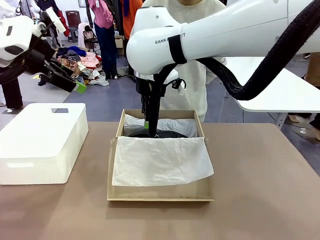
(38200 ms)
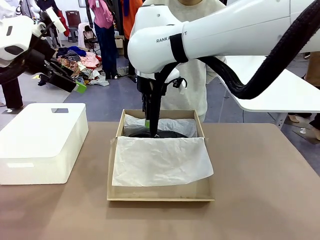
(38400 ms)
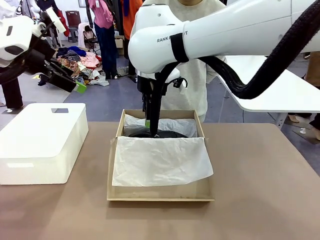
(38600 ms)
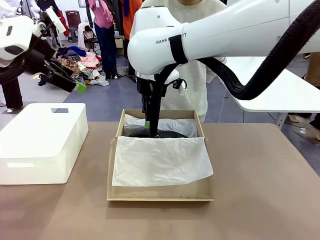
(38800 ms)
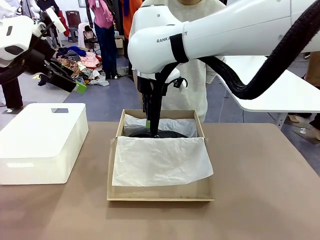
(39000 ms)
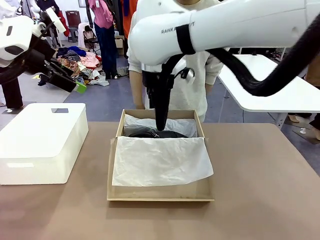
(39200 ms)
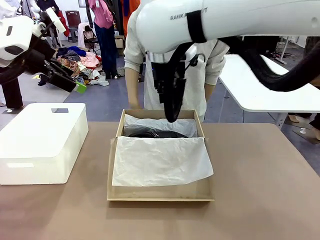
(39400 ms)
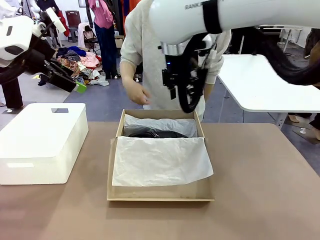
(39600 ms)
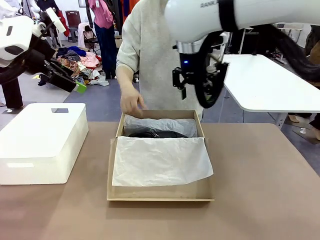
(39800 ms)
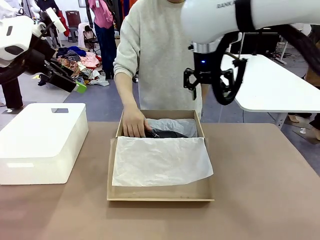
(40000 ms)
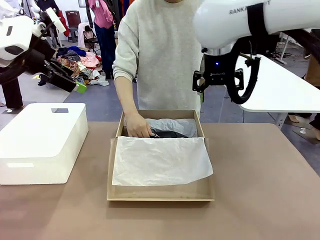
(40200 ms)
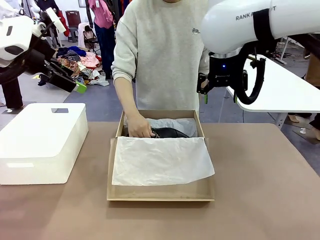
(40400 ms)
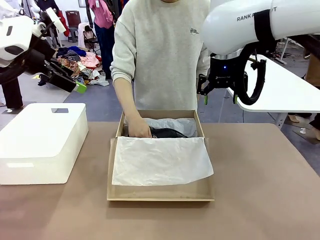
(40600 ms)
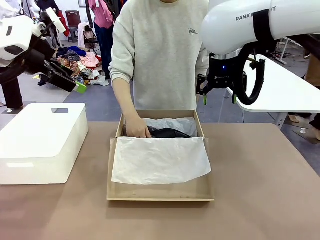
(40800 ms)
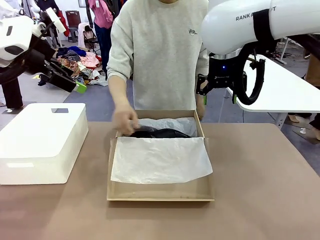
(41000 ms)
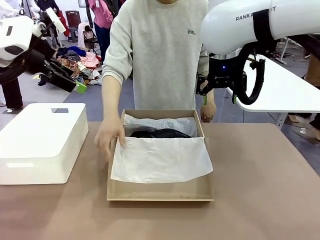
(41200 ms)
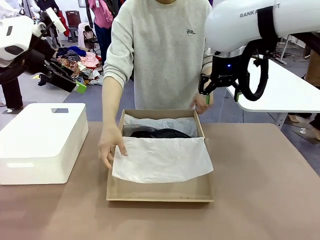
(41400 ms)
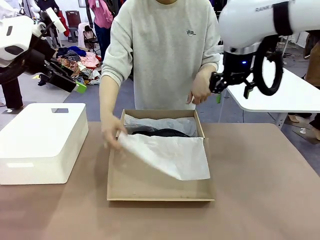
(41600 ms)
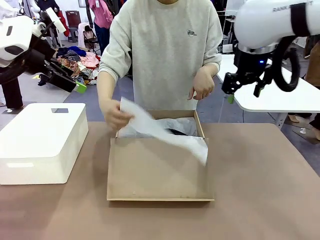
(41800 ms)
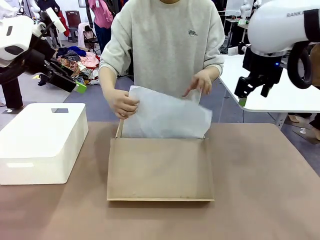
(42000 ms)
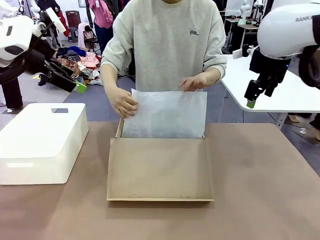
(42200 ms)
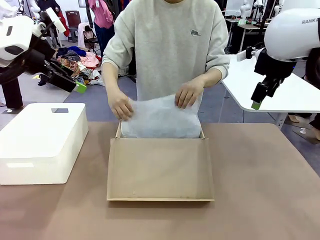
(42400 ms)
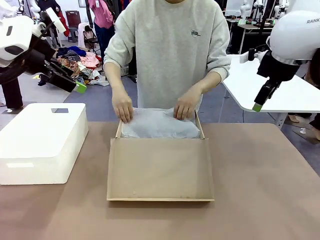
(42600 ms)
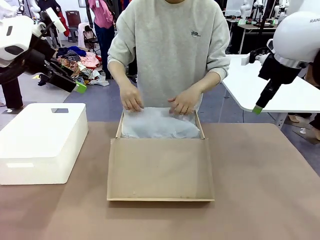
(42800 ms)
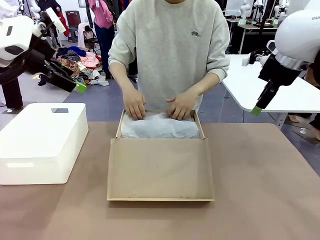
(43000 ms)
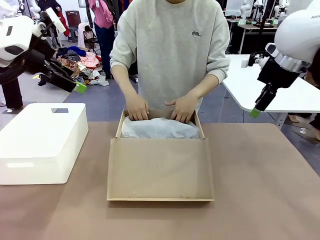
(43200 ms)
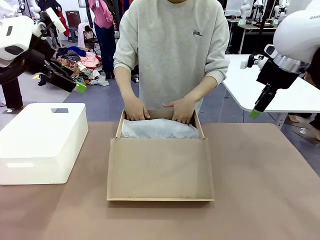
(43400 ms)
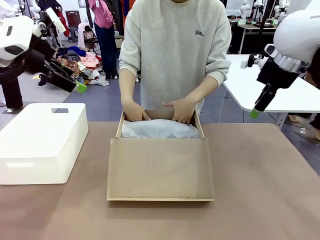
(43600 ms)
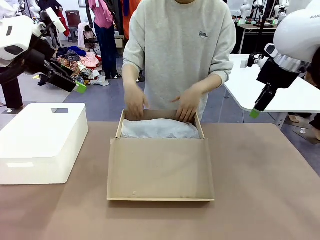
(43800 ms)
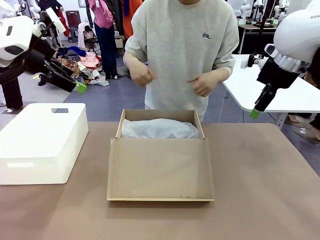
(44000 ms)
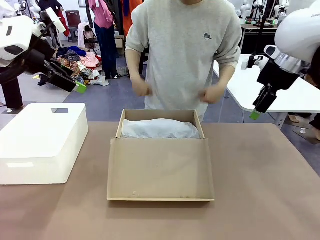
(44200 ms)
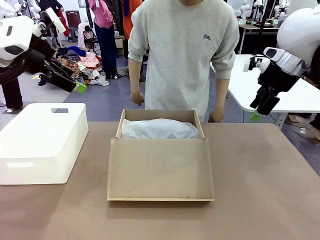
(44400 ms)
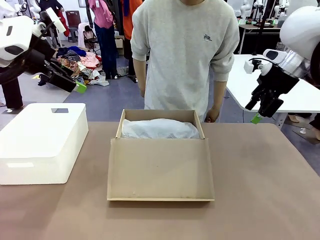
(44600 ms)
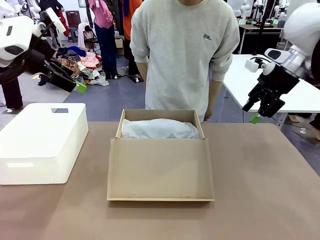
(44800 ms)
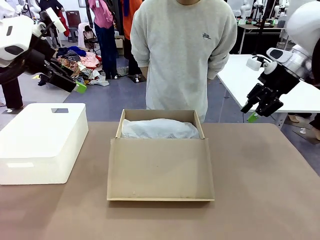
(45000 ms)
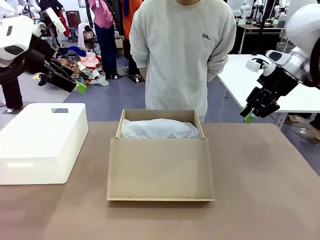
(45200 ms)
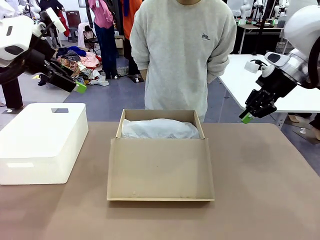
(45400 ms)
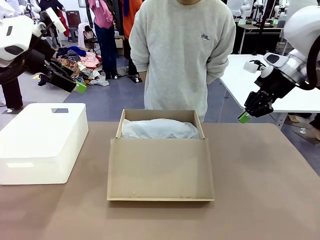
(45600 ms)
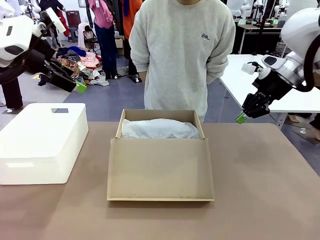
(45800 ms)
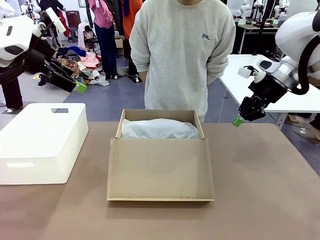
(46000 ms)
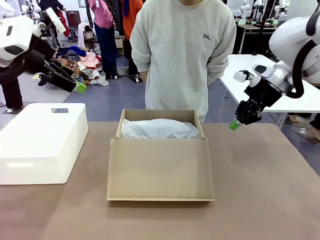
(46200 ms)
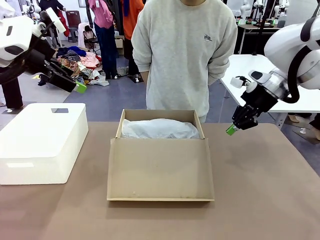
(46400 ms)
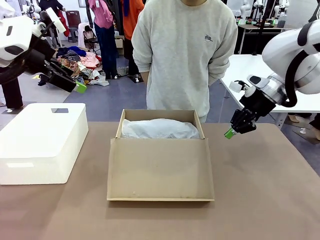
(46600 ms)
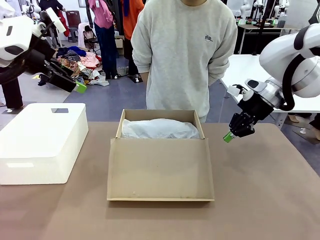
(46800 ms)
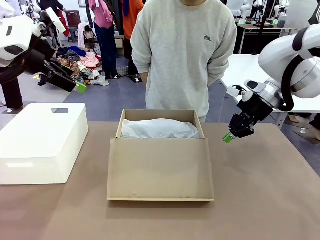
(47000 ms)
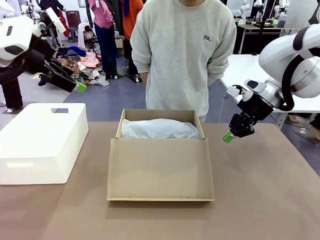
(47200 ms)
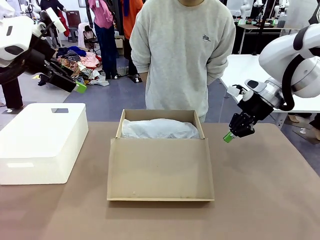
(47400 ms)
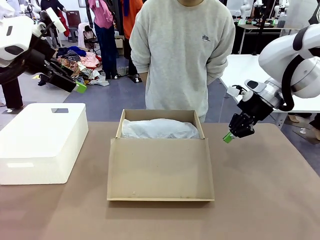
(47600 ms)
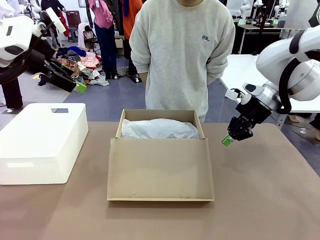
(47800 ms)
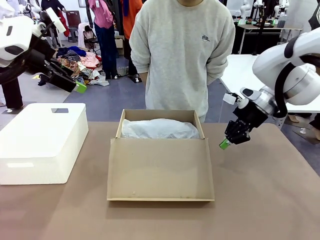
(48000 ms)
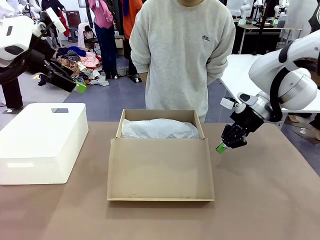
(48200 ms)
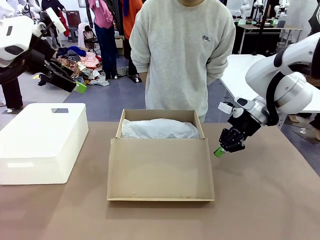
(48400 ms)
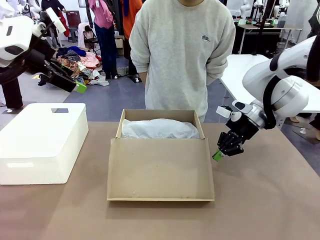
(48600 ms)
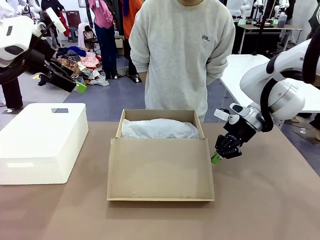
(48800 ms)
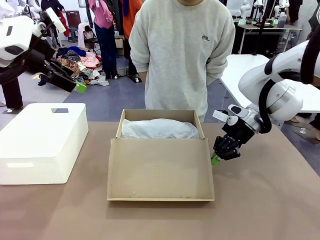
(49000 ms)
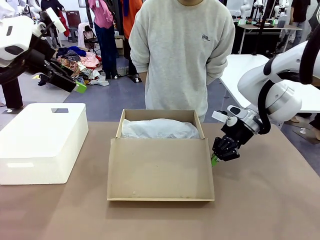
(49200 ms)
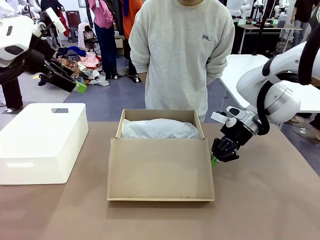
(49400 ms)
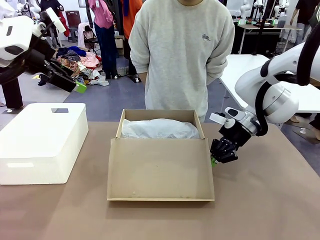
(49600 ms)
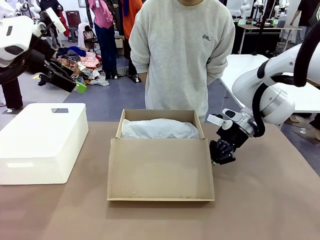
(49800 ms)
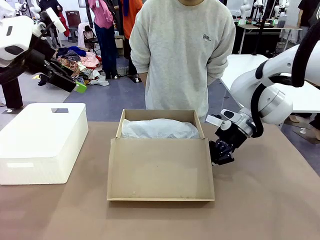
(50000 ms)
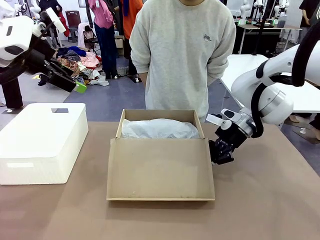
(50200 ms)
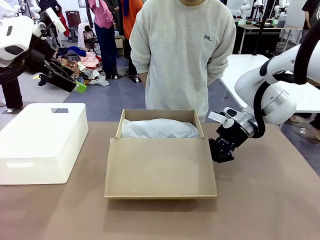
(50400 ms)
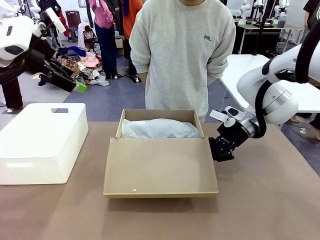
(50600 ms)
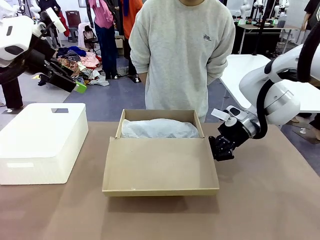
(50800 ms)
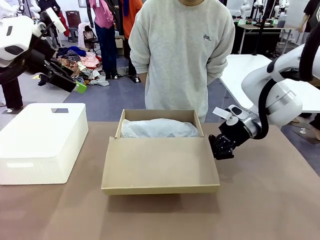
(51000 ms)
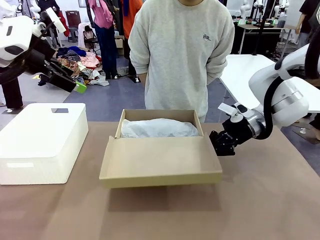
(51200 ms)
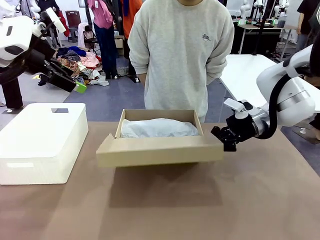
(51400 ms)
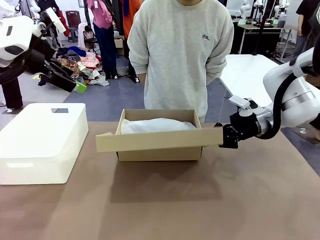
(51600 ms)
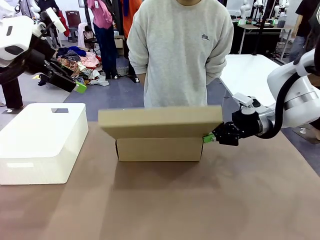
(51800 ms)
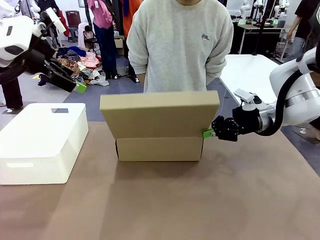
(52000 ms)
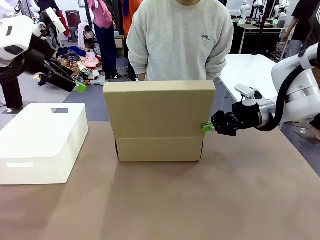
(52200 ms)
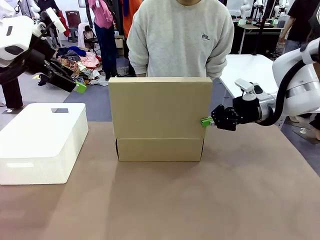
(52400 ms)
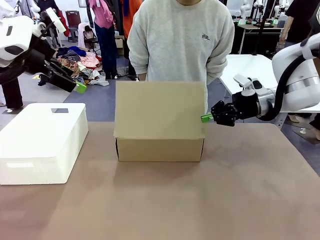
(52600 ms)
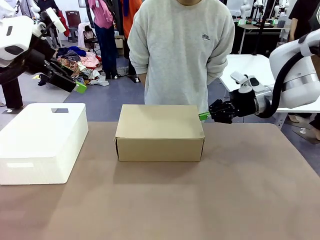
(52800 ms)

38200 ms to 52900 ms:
Task: Pack the shoes into the box.
Robot: Close the Shoes Box.

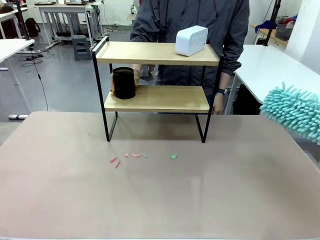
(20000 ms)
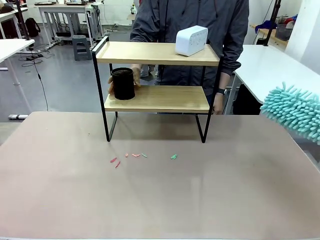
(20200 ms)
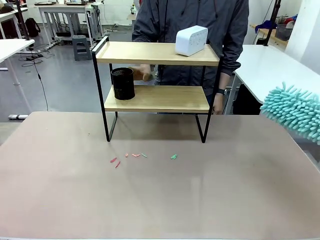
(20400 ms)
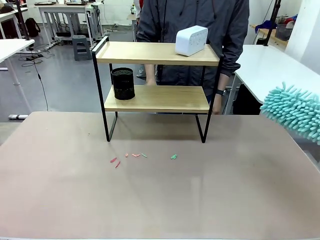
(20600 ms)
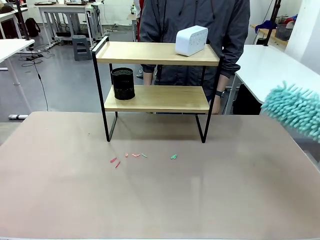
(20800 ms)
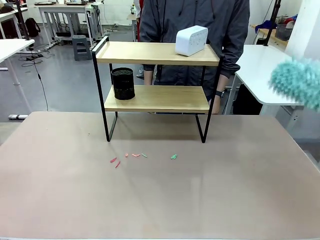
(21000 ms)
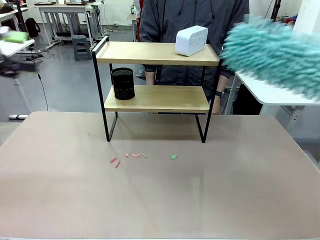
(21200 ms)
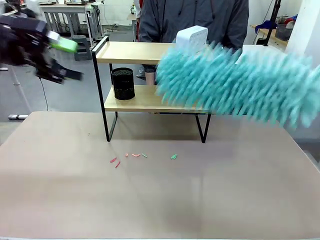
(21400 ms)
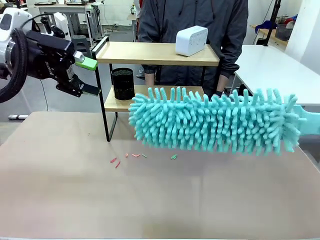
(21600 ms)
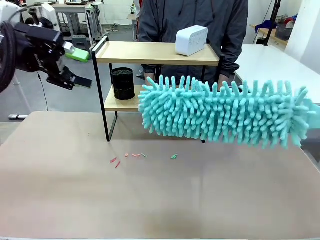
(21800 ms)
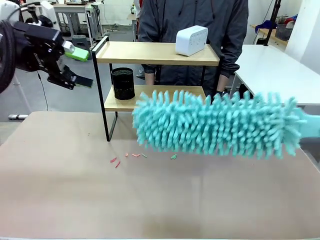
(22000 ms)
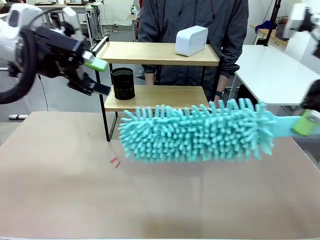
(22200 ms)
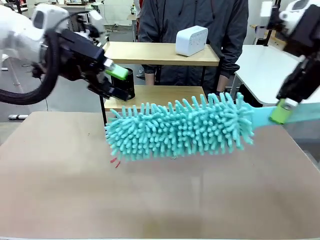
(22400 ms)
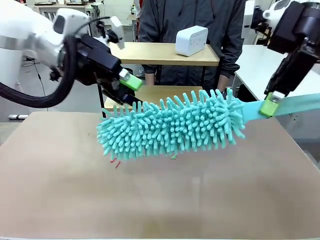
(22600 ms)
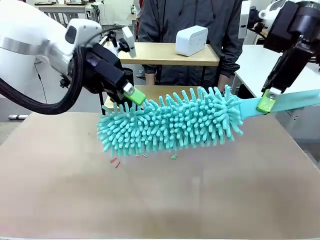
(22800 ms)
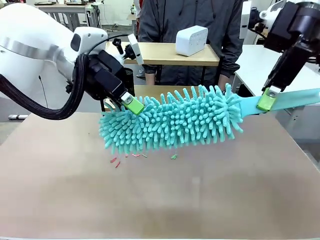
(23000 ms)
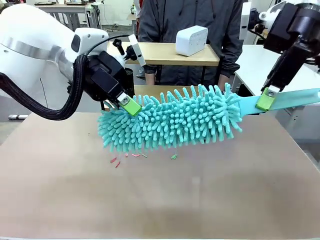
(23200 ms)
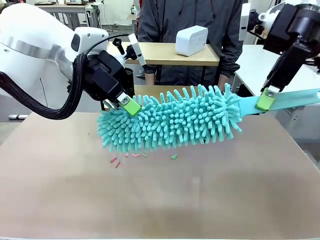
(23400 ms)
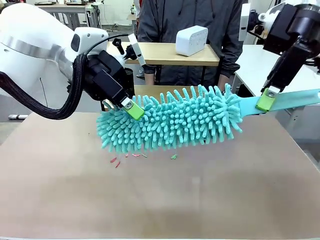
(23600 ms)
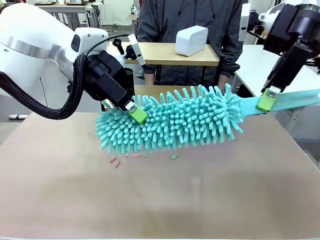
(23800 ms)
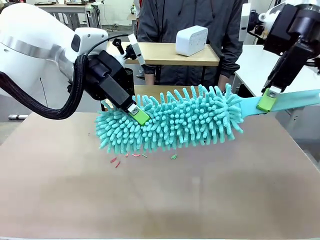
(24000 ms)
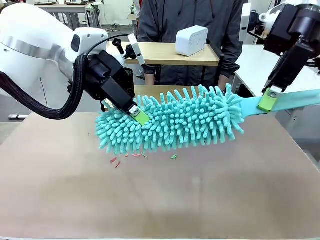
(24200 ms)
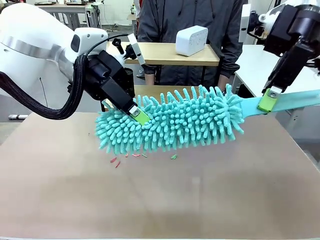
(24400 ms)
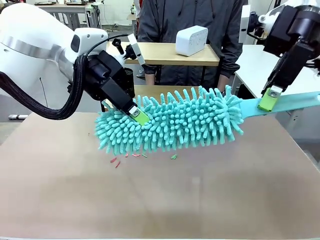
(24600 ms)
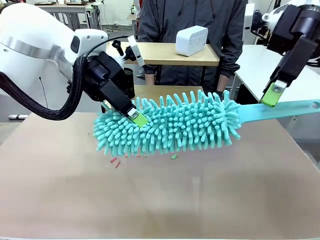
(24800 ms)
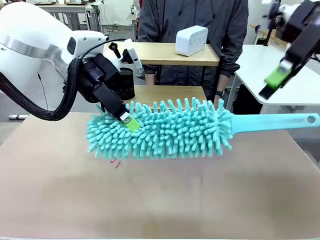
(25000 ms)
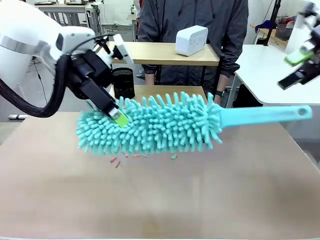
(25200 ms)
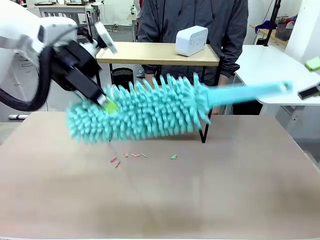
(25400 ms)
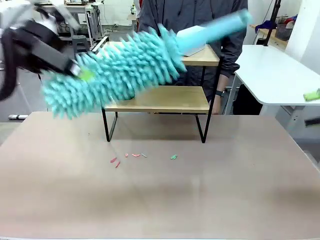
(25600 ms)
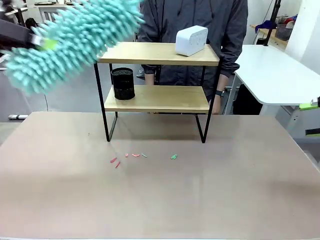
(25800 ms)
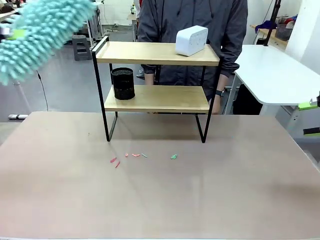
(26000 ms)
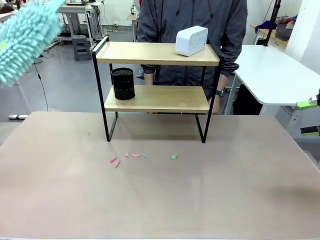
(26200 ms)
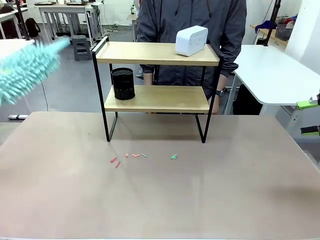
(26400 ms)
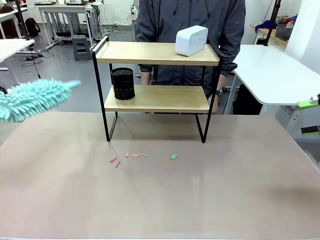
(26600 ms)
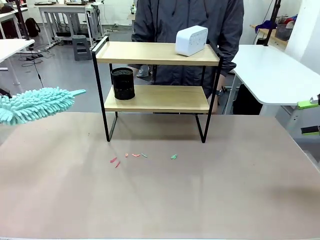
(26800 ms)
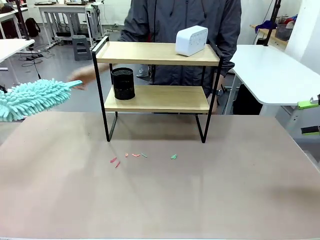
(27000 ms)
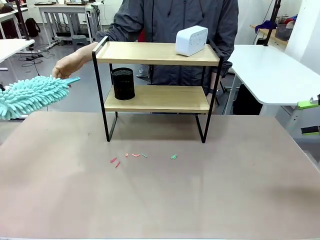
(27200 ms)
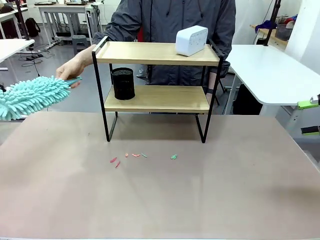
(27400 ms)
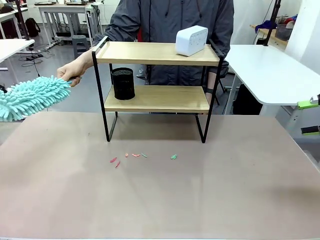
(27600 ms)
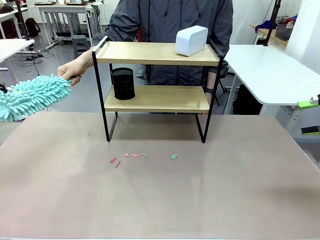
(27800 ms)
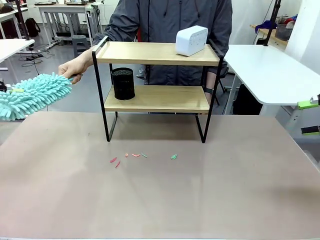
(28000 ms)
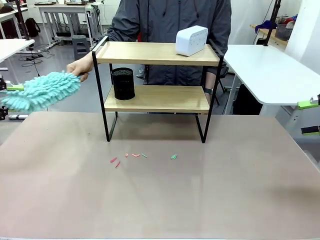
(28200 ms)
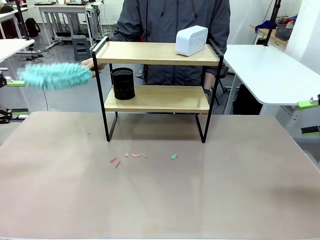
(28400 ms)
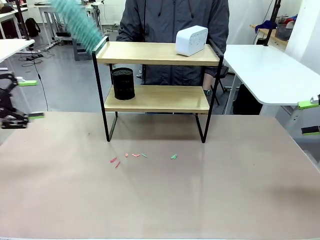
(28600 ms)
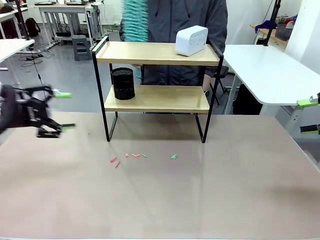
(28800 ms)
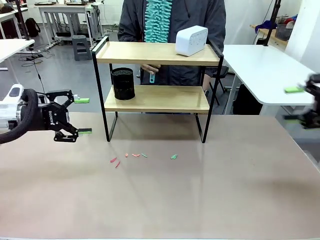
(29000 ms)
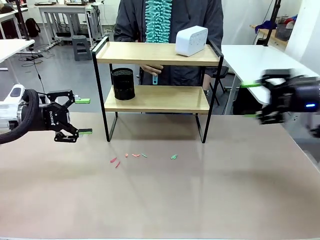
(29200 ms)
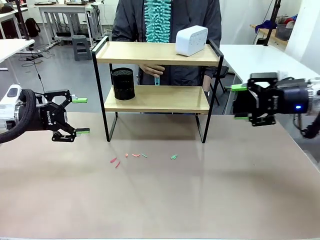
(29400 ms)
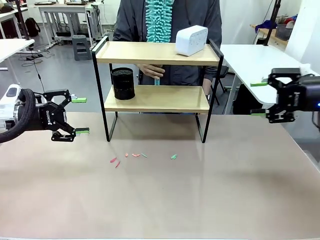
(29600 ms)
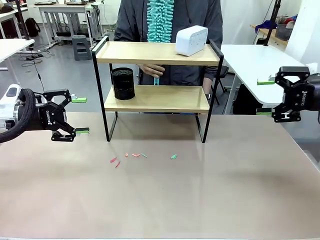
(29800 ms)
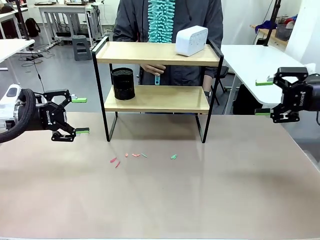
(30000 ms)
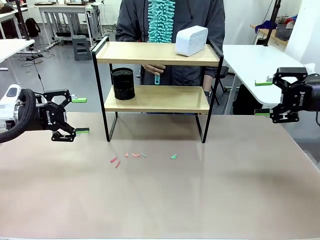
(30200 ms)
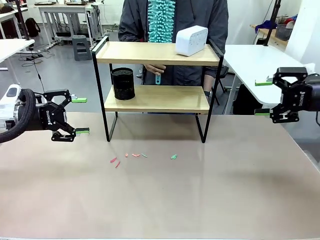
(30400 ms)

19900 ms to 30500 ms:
Task: Clean the shelf.
Robot: Hand the Duster back to the human.
Person: Receive the Duster from the robot.
